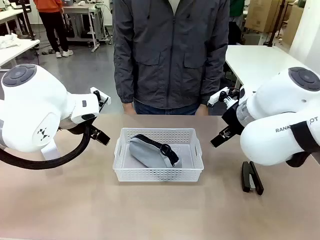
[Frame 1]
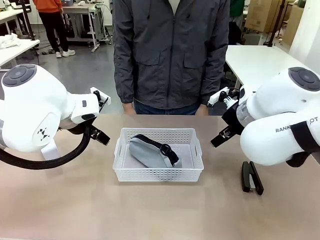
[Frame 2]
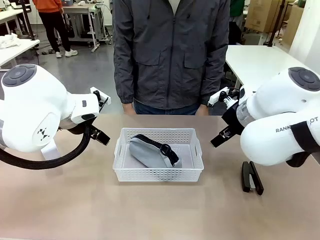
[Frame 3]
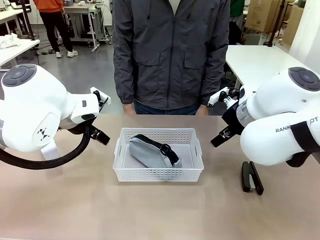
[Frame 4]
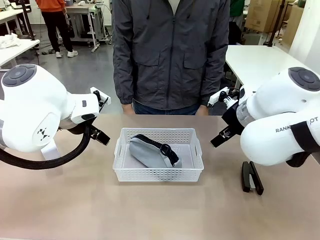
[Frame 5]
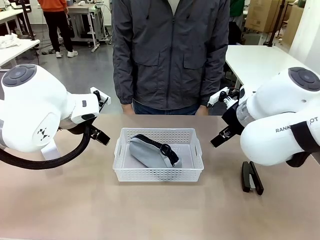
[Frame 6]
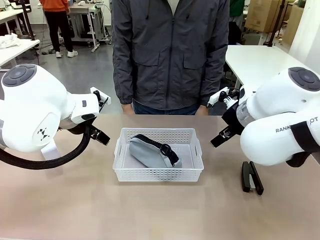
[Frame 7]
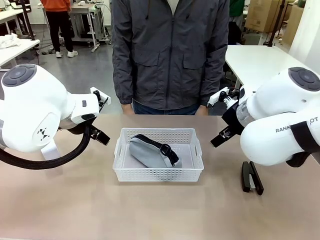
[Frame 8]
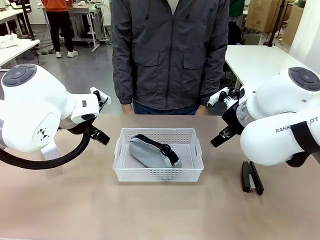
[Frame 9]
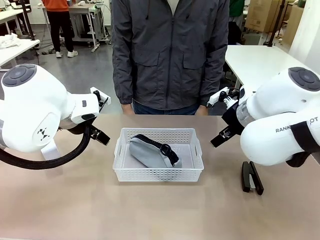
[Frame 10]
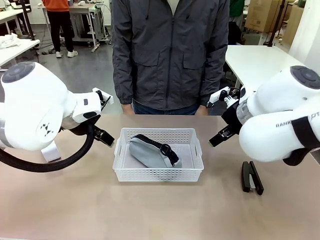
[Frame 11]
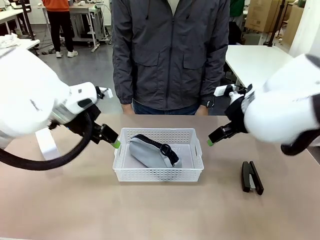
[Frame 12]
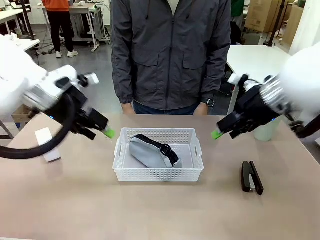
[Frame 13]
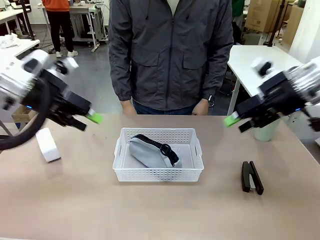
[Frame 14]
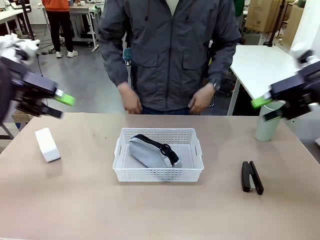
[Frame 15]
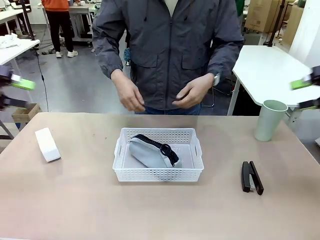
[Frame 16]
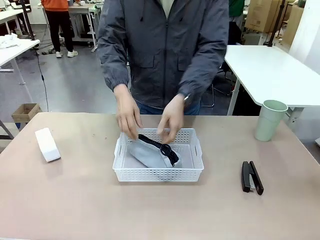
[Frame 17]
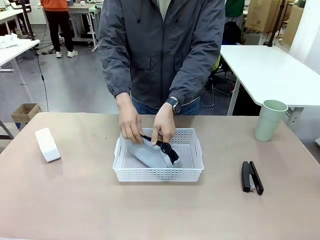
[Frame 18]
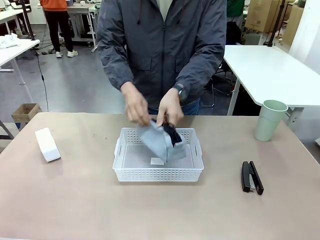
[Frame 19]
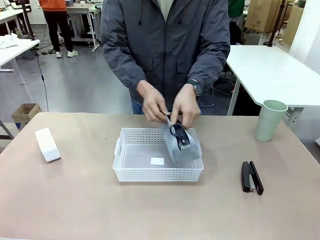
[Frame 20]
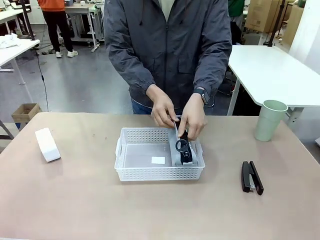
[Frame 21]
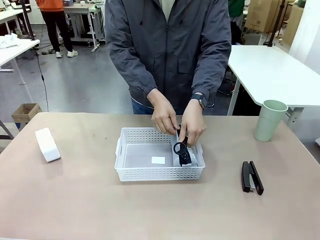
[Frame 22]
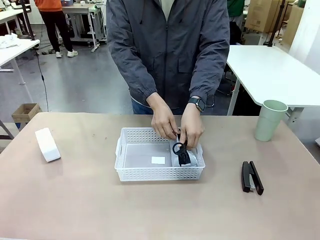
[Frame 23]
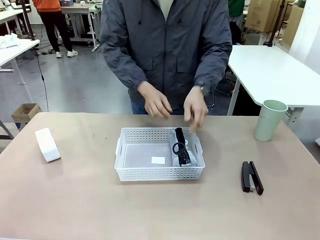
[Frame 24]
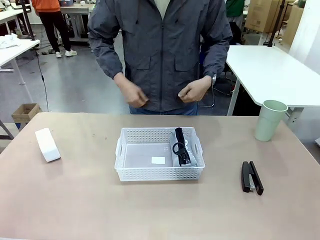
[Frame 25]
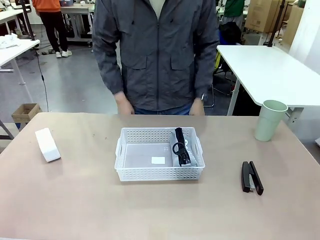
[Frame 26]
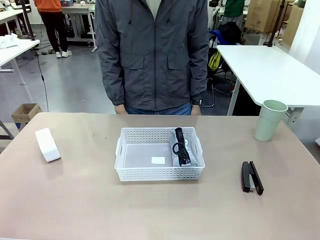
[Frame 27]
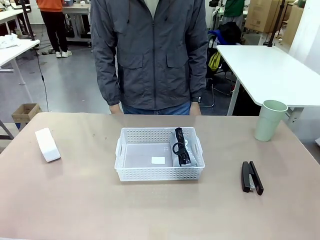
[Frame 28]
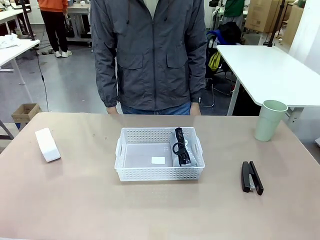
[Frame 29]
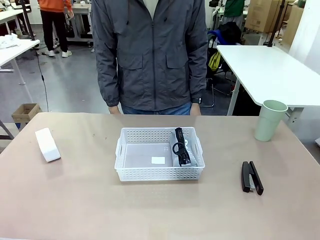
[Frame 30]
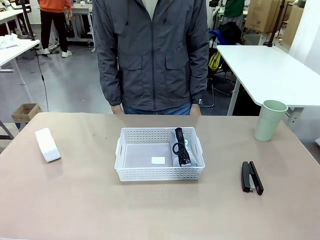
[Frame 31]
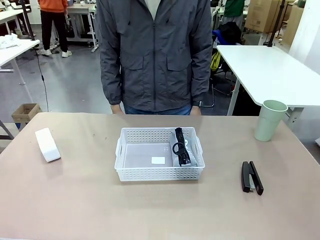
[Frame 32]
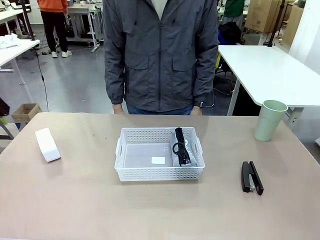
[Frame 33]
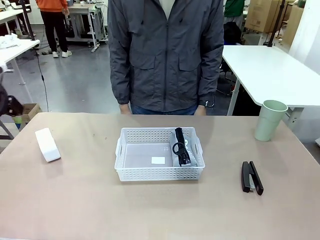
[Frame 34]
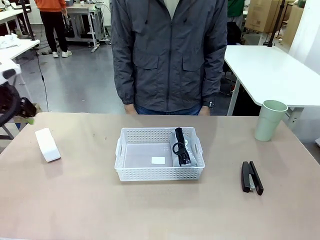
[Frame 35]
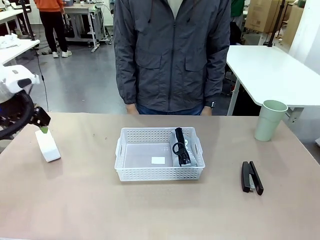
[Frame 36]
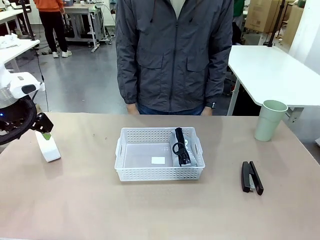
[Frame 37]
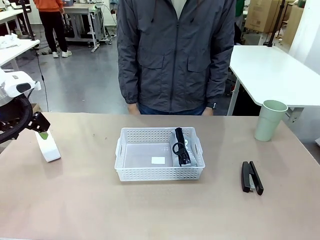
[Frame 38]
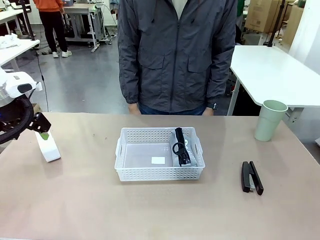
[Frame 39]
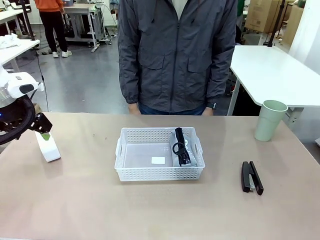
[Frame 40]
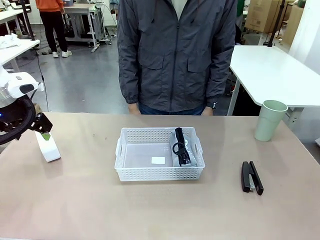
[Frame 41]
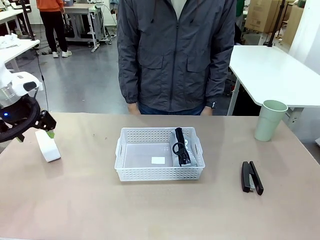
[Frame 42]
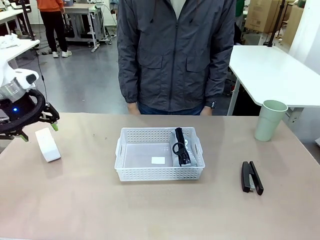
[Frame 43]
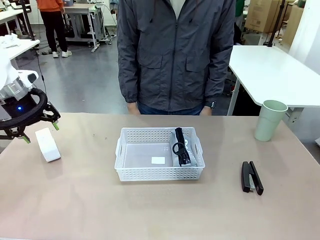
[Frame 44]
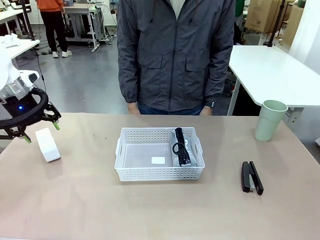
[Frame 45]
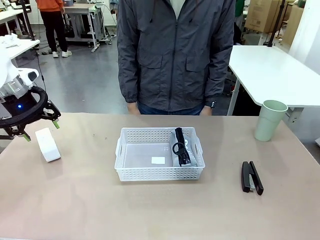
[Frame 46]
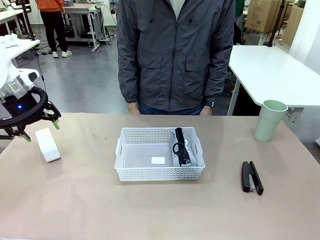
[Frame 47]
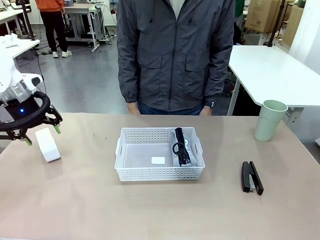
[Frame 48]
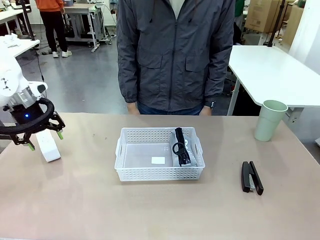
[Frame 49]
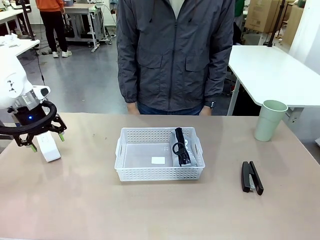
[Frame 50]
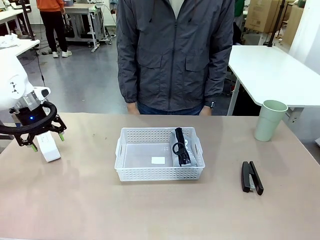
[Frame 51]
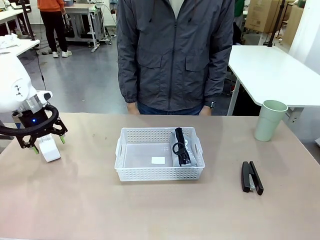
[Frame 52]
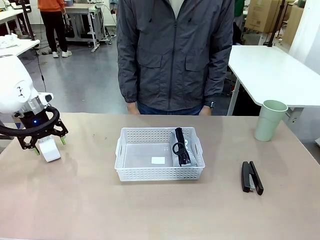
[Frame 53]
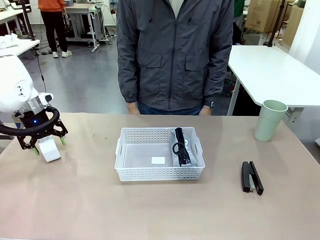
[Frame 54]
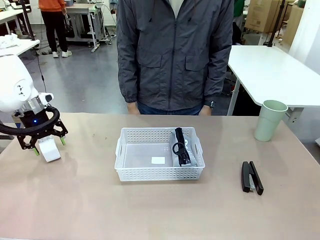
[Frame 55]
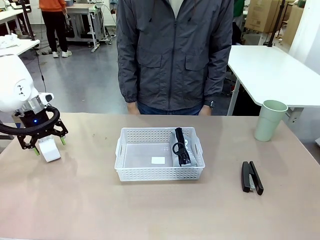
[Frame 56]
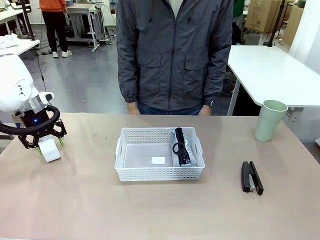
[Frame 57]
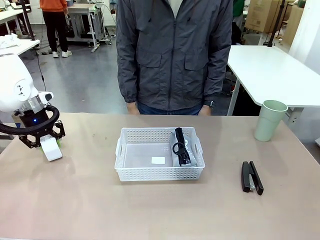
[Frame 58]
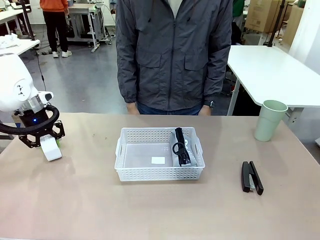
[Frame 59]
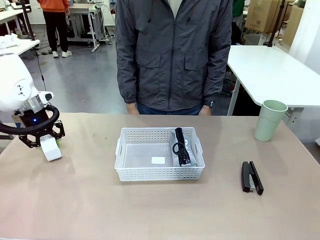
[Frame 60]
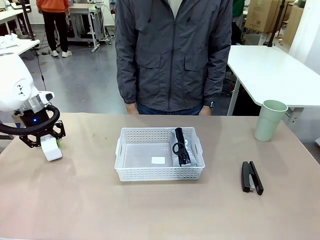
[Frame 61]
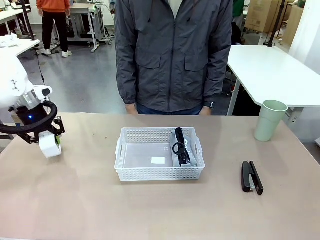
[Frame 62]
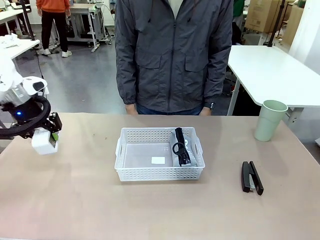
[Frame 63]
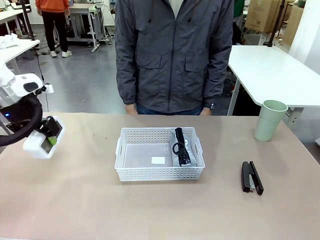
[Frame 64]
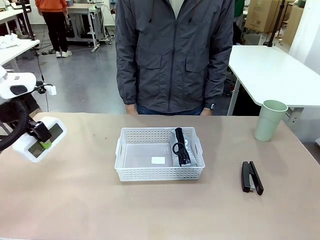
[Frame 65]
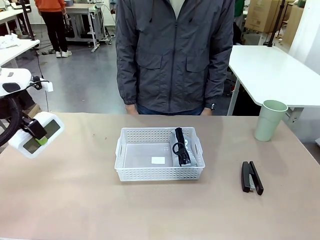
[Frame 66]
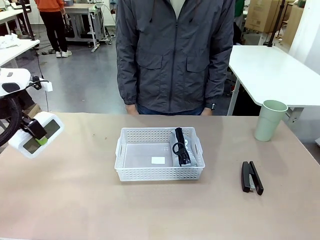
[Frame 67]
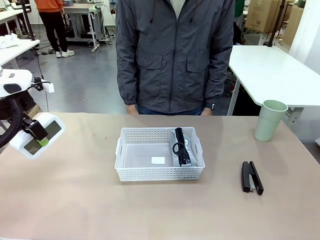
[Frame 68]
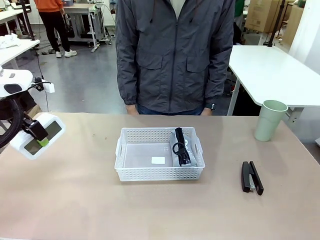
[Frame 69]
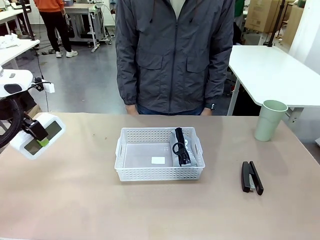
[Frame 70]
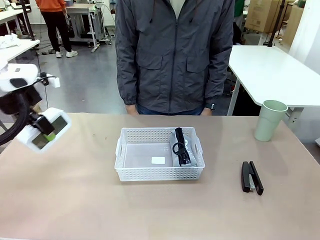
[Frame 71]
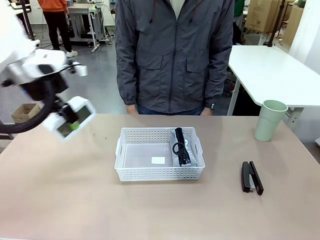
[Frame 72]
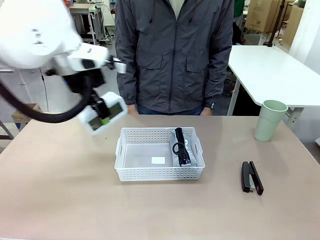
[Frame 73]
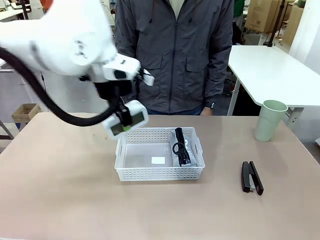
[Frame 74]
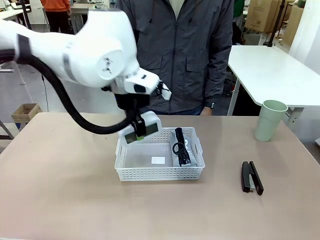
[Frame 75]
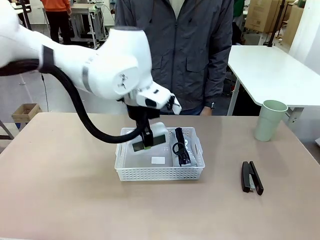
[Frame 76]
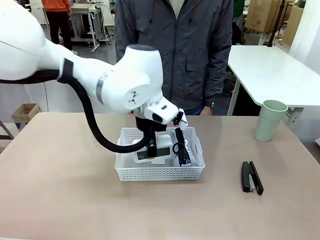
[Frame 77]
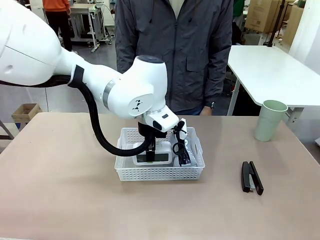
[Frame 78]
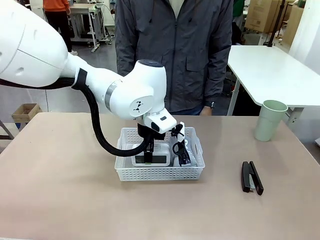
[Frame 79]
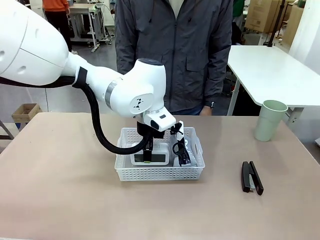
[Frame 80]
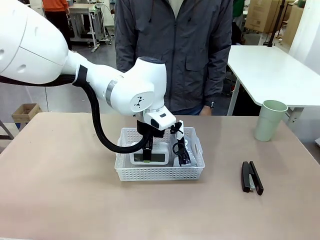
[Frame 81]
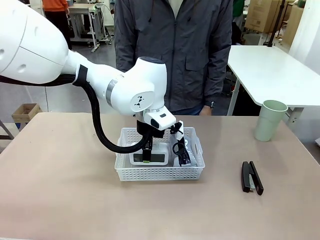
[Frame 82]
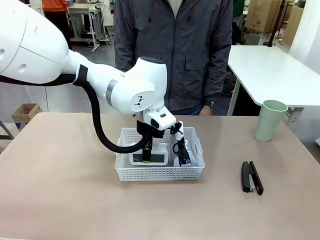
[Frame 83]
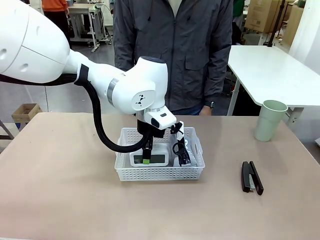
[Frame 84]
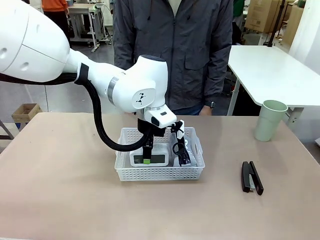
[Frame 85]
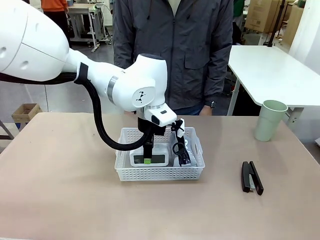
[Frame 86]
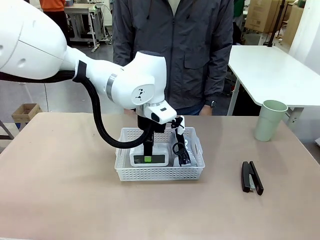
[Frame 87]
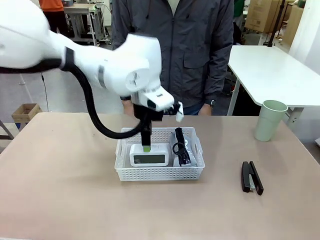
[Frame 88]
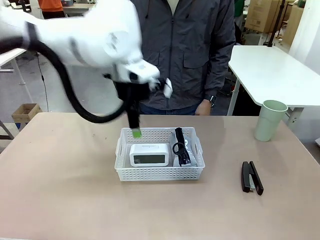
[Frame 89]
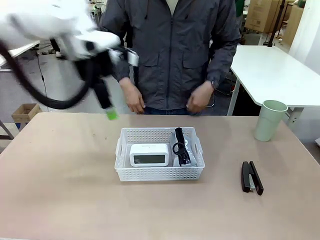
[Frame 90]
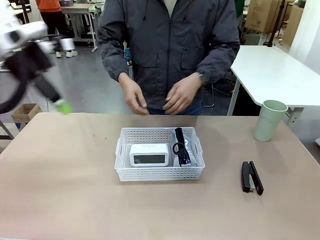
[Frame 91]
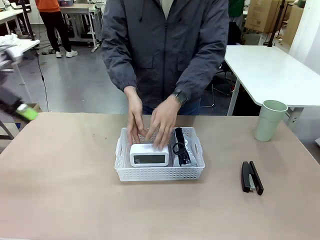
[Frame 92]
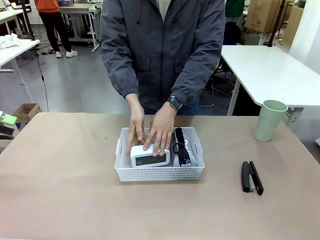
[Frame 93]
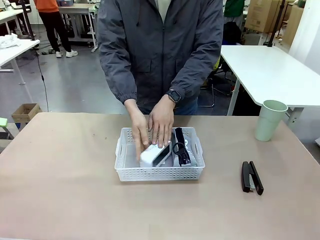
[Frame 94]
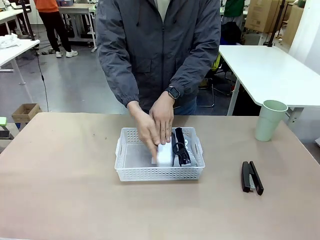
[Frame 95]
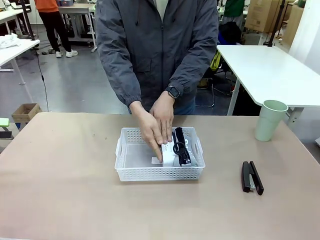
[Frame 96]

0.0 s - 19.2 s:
Task: Efficiently arrange items inside the basket to fit them all.
Robot: Pick up the Digital clock and place it inside the Organizing basket.
Person: Repositions the pencil case. Repositions the digital clock.
